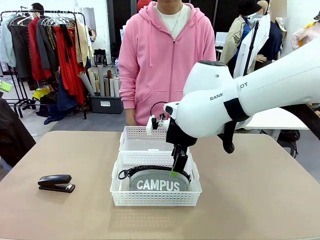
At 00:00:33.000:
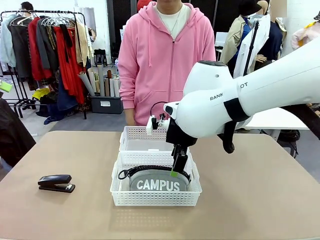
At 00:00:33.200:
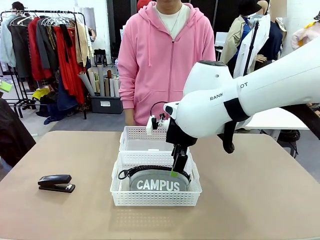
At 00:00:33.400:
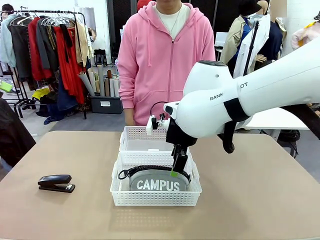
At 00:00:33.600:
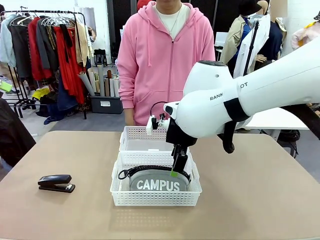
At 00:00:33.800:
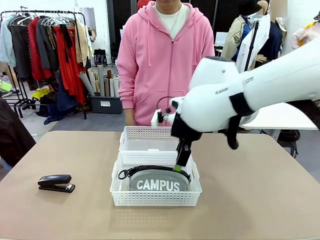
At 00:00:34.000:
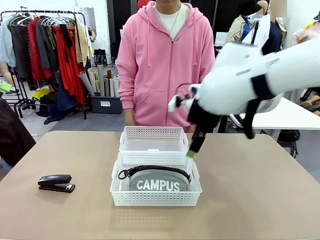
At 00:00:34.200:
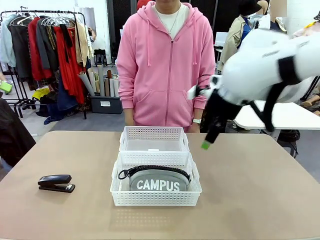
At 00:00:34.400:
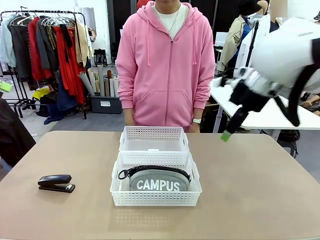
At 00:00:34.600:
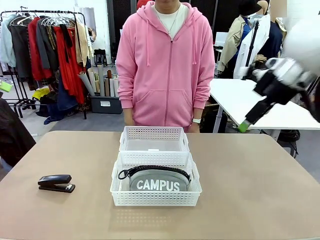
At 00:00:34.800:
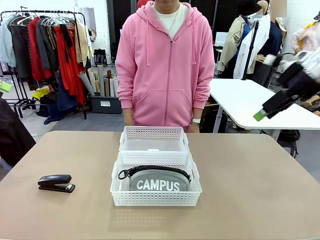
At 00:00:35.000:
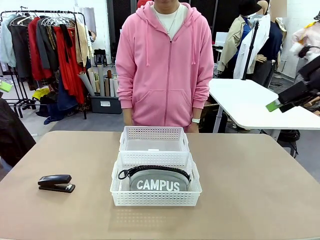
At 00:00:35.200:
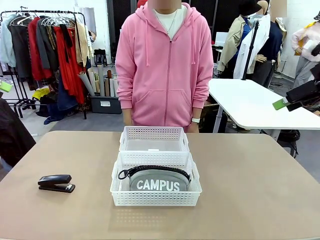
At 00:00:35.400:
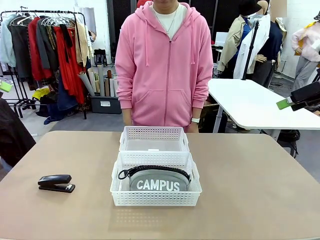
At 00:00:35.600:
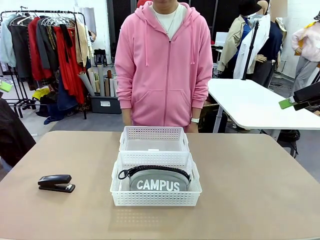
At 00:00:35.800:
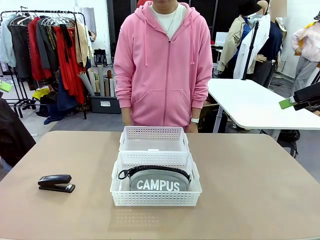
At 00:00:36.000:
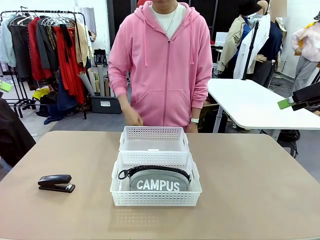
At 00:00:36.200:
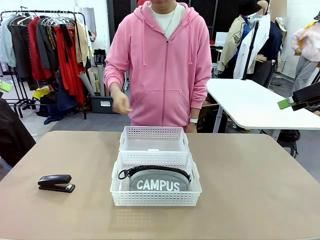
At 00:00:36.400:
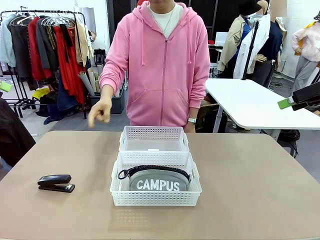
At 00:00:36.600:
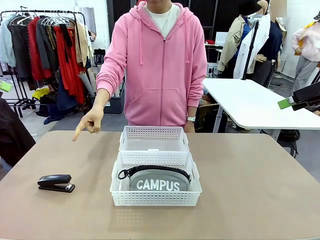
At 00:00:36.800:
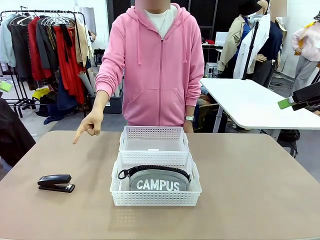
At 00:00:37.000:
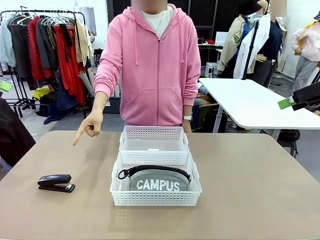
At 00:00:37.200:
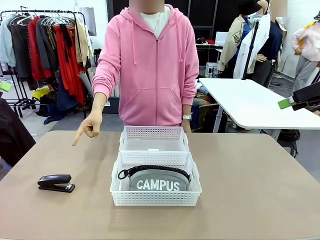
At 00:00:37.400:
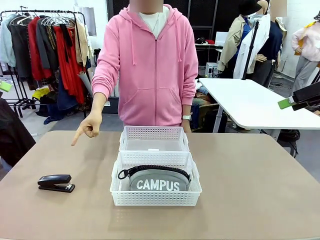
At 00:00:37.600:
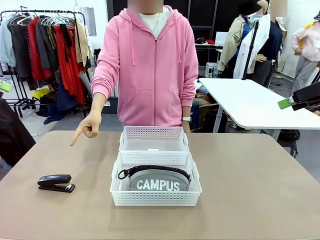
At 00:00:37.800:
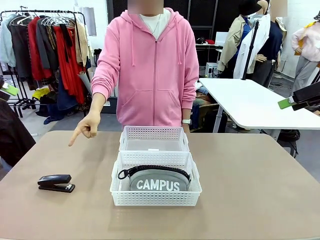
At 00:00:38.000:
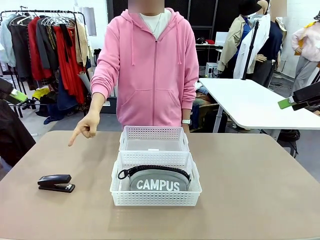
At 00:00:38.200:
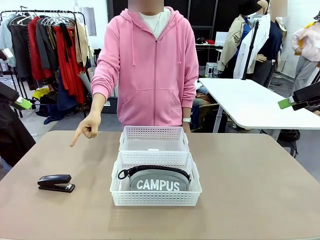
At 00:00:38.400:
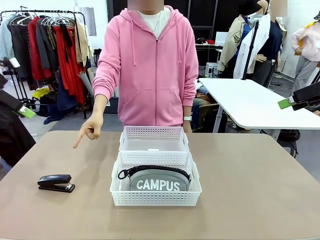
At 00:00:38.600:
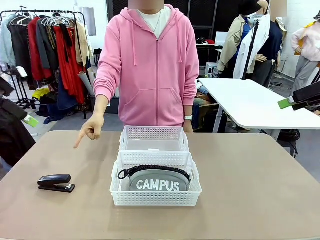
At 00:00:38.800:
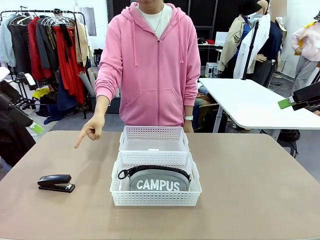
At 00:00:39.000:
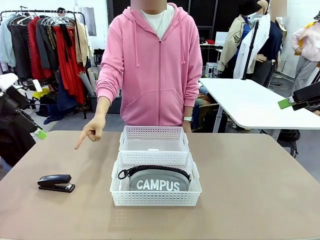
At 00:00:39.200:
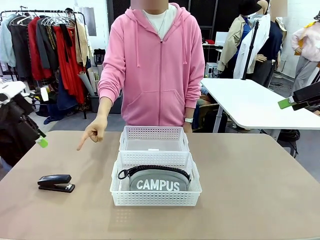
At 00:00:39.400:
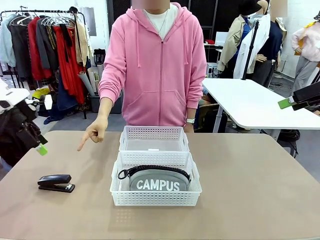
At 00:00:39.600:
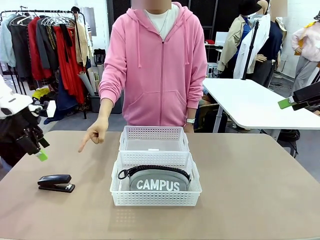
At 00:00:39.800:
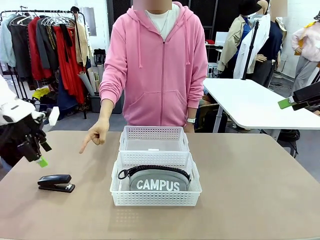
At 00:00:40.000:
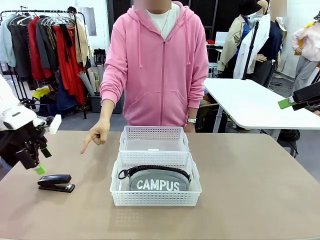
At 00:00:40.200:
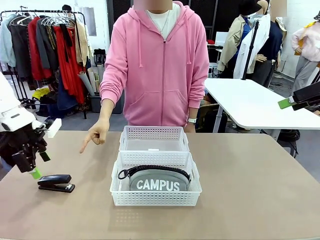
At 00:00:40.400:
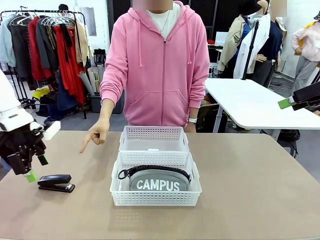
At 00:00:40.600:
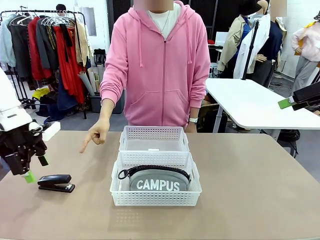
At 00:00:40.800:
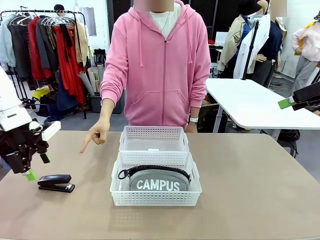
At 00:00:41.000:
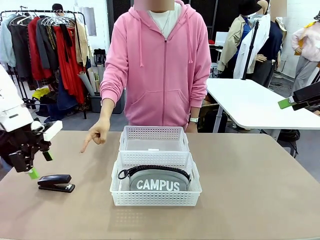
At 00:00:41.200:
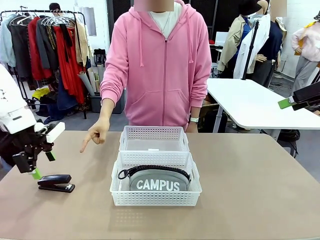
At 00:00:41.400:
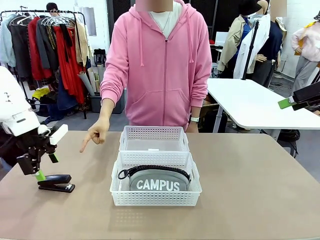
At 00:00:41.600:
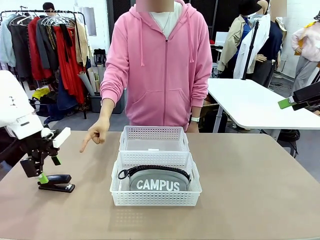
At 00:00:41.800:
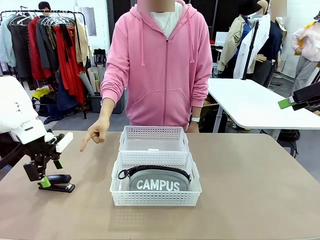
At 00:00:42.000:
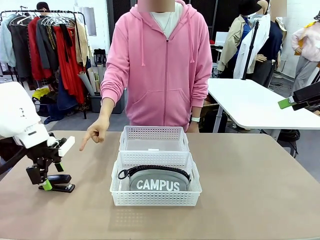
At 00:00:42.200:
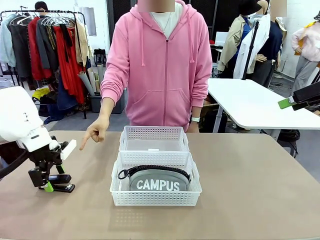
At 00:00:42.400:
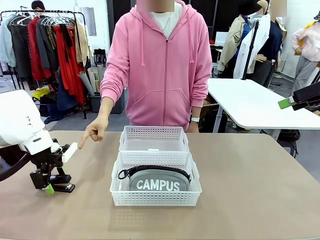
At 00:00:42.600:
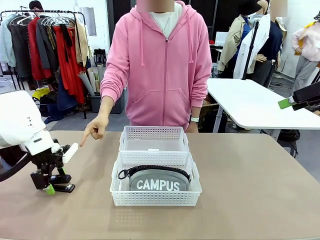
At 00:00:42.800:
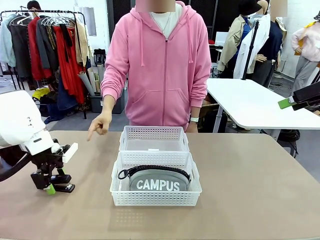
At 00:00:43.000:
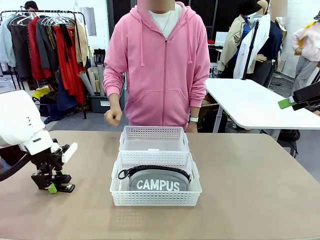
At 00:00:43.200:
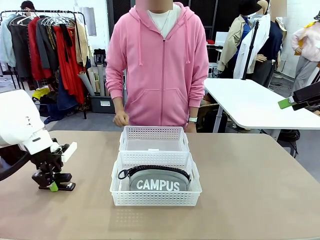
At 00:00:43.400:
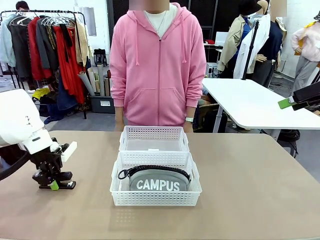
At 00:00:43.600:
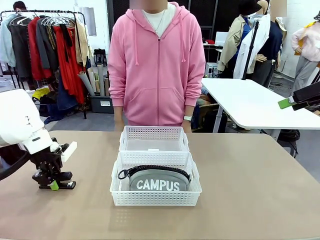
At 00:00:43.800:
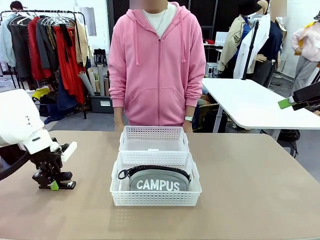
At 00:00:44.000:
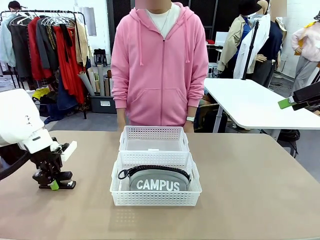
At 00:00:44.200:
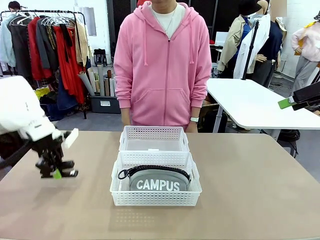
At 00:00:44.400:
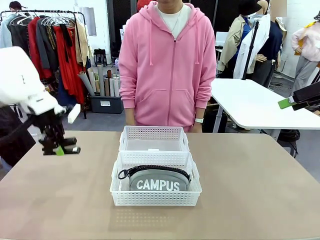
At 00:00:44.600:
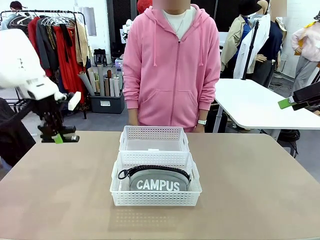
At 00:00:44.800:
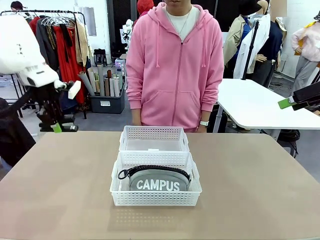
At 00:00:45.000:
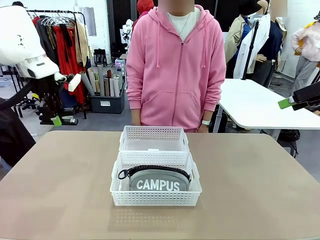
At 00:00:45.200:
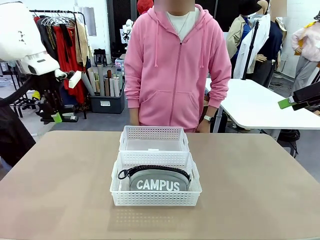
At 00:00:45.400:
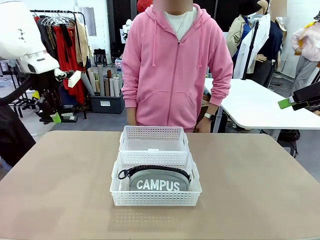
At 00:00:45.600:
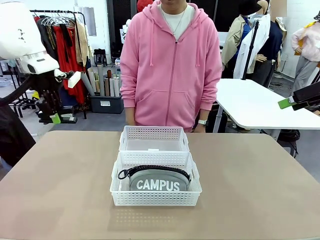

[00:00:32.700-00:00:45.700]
Task: Distribute items into two baskets.
Robot: Pick up the Stapler that the person points to.
